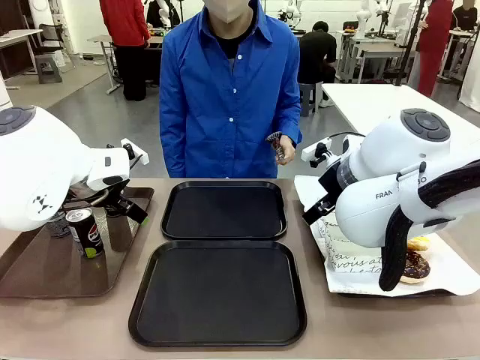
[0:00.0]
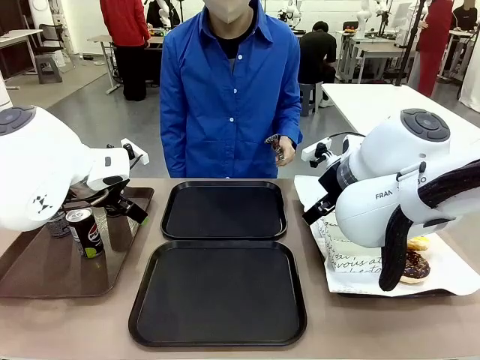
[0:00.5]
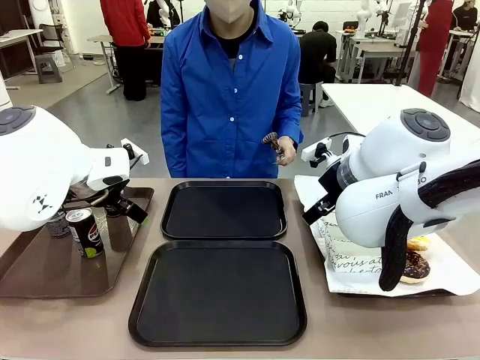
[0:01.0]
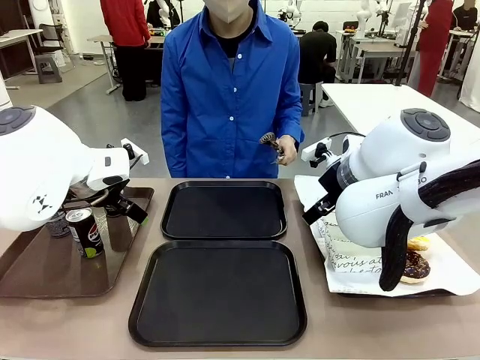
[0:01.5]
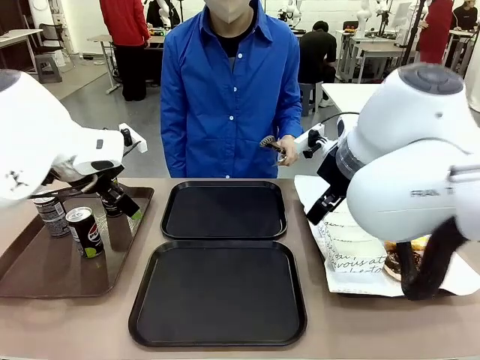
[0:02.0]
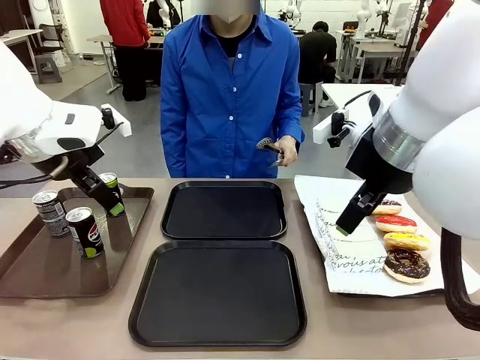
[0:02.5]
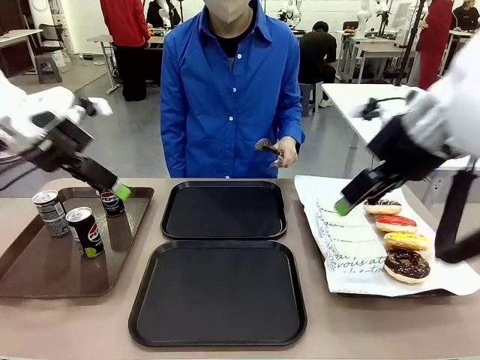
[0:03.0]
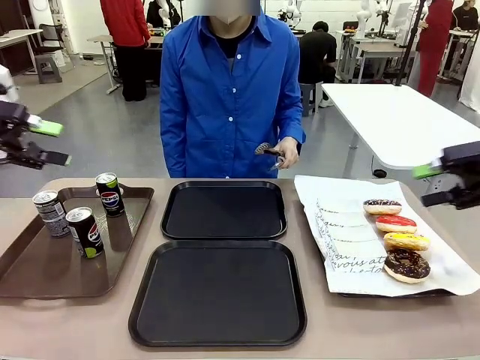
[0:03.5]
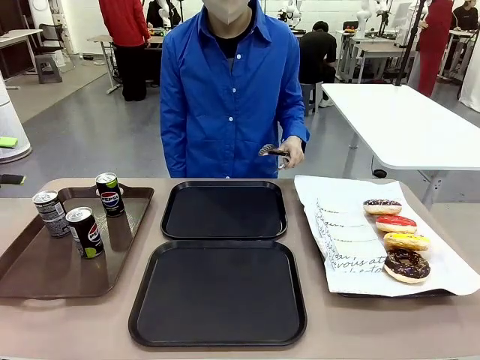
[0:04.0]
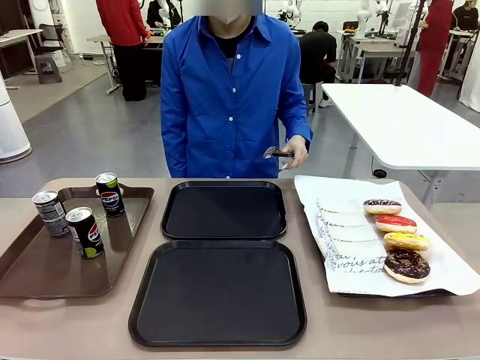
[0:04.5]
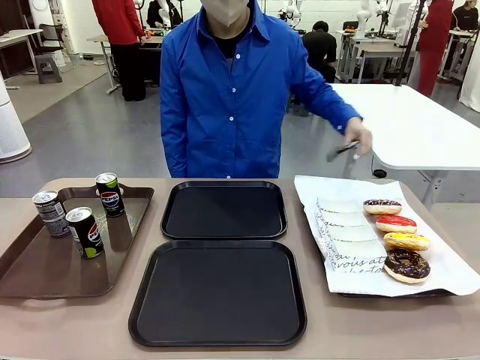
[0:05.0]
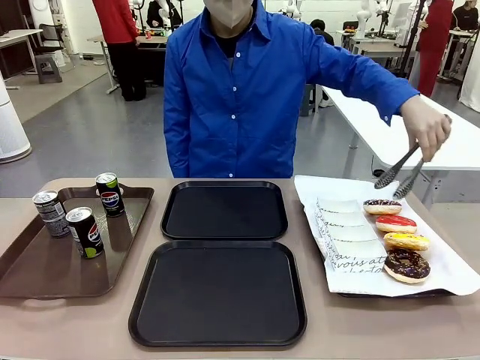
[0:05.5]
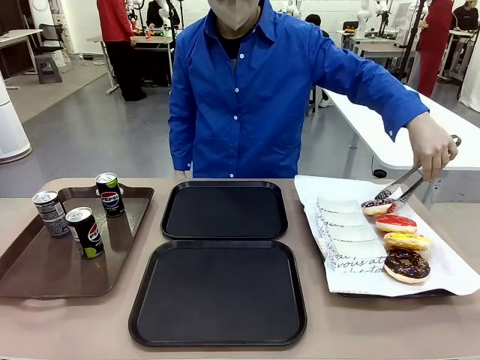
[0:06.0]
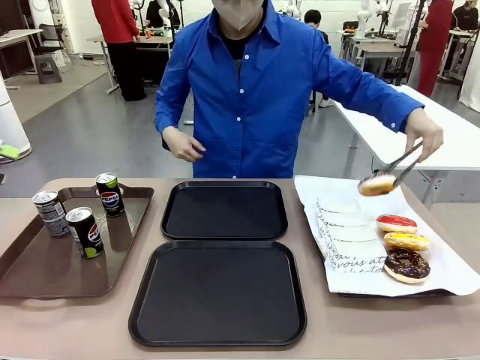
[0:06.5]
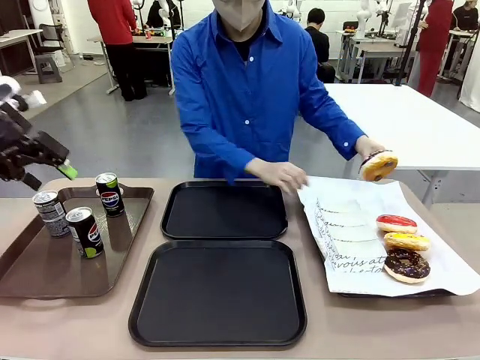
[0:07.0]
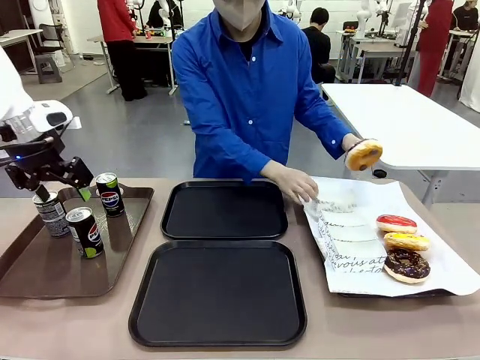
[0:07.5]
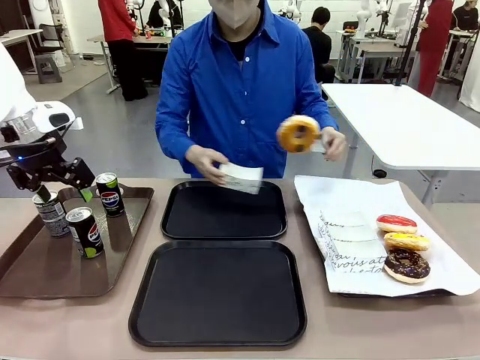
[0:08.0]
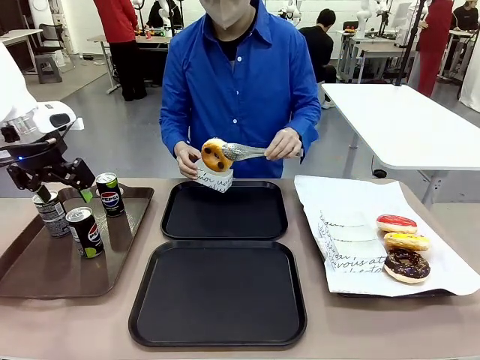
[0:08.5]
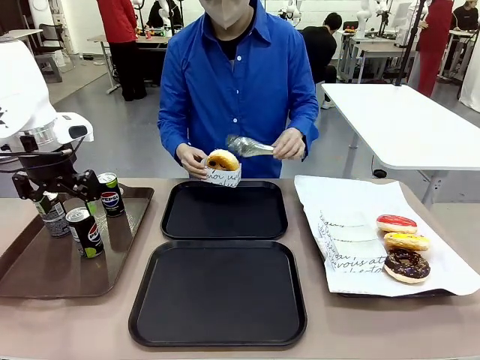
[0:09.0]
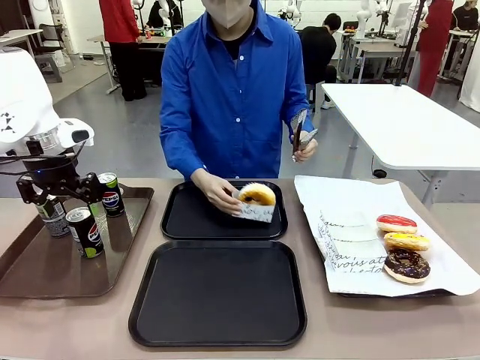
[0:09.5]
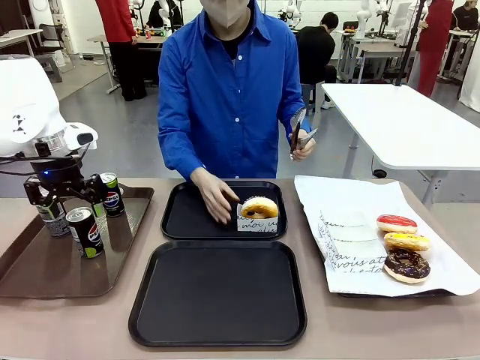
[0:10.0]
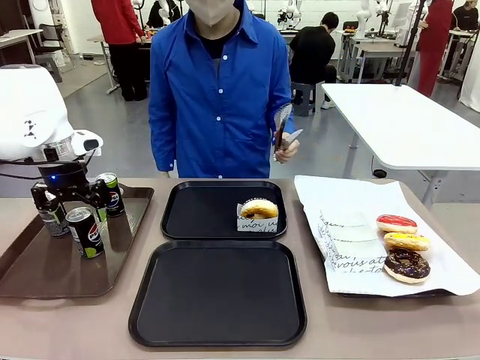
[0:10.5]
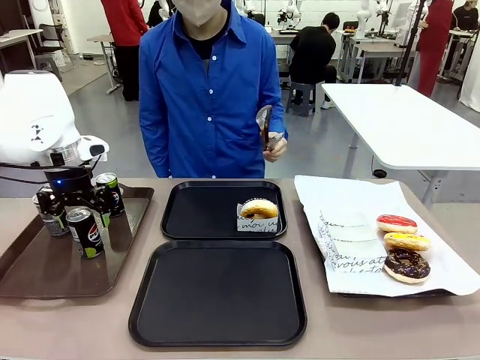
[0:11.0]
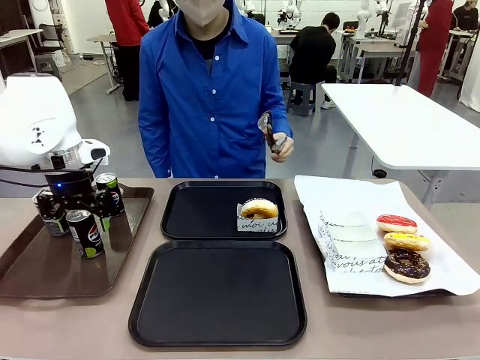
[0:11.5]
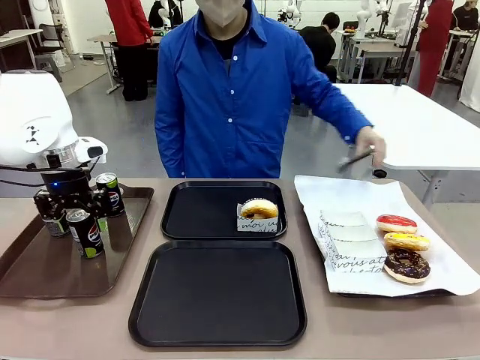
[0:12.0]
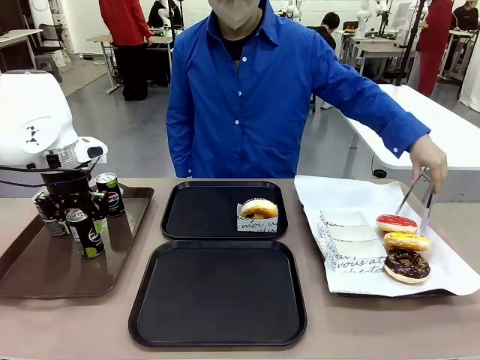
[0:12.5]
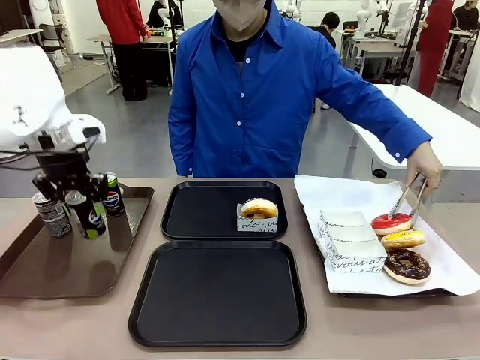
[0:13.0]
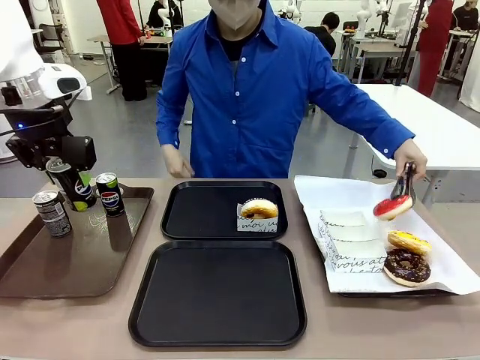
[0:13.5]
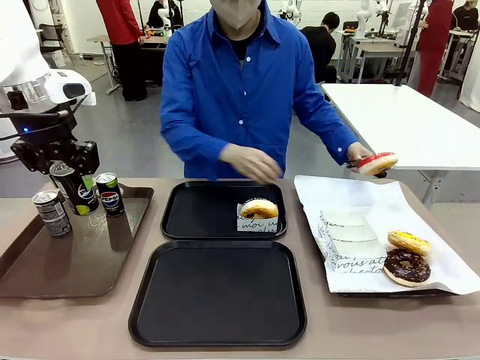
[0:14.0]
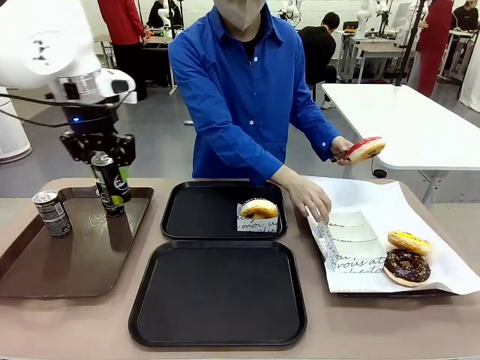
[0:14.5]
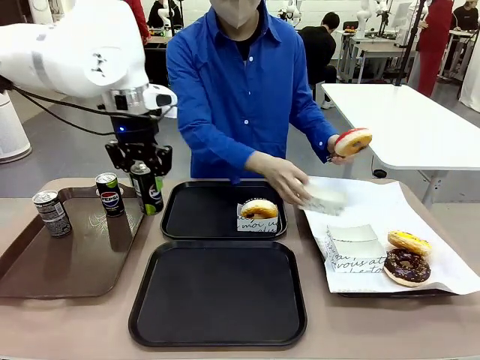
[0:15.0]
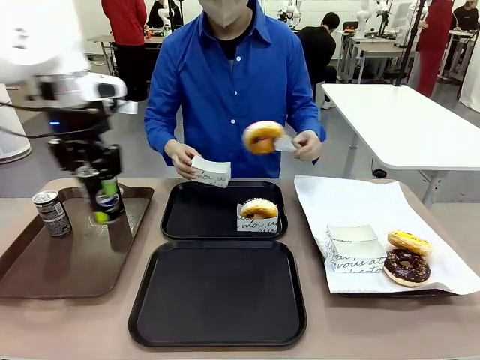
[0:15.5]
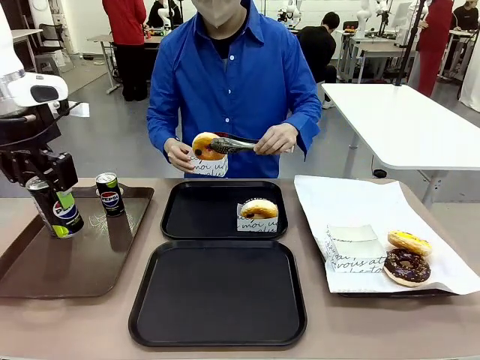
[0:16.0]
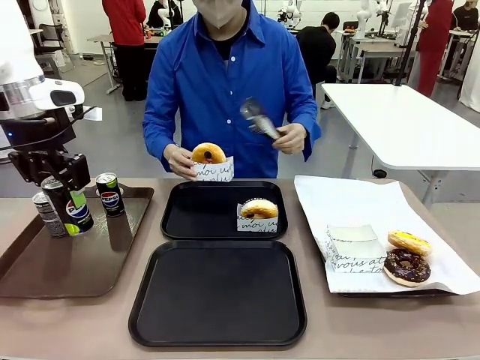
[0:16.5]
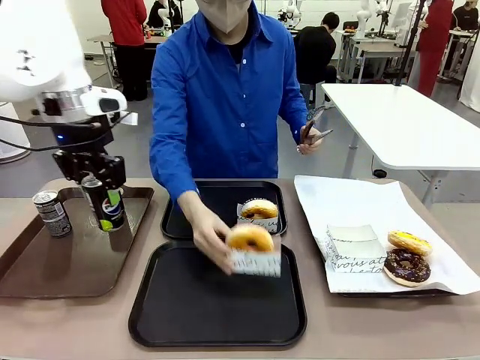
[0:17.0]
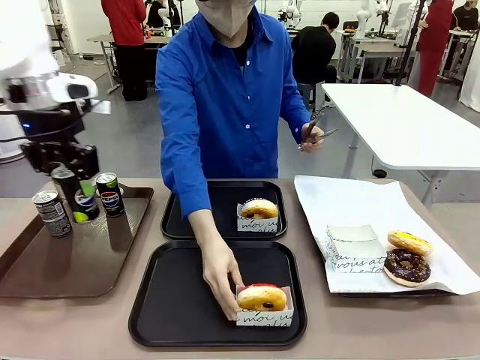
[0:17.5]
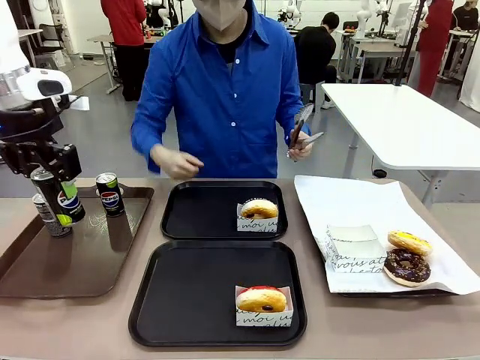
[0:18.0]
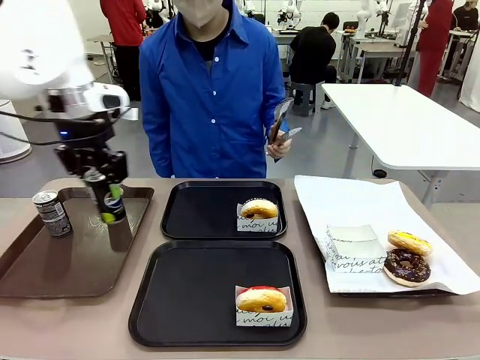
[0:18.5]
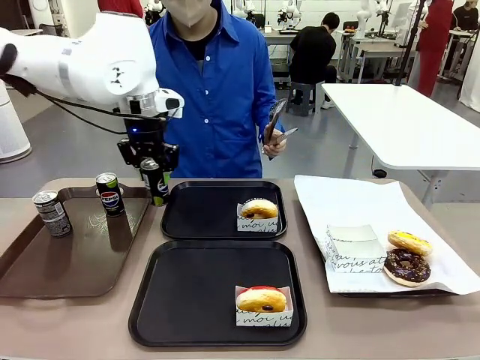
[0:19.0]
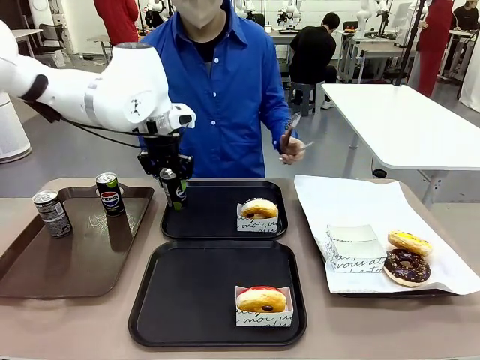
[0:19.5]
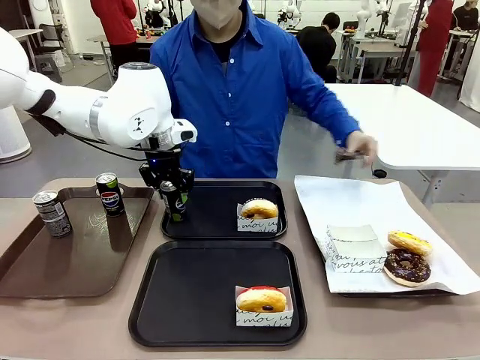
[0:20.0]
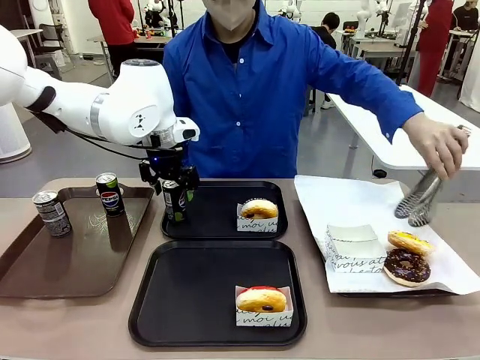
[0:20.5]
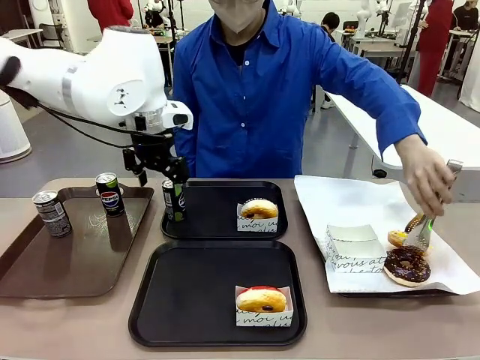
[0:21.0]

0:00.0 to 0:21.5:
Task: Set up donuts and drinks on trays.
Robot: Pick up one Pepsi coke and place it on the Flat Tray.
Person: Pick up one donut with tongs, place it in the donut tray, and then place the donut tray on the flat tray.
